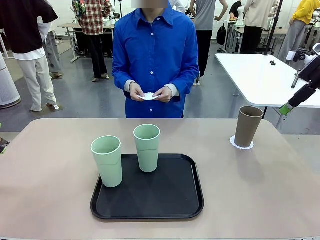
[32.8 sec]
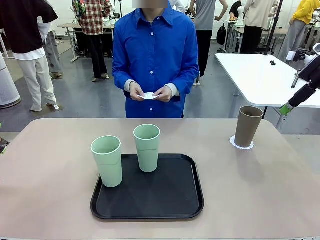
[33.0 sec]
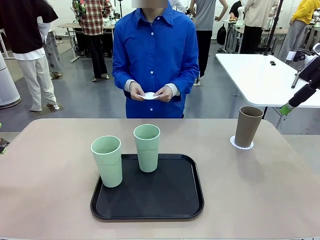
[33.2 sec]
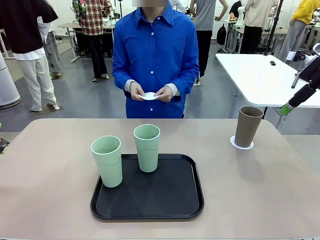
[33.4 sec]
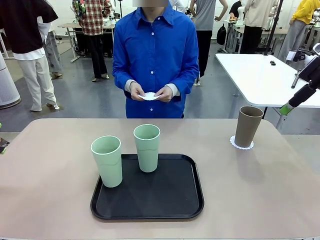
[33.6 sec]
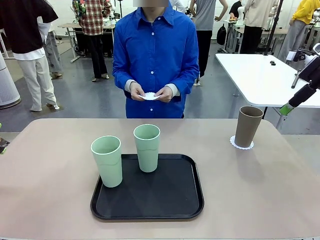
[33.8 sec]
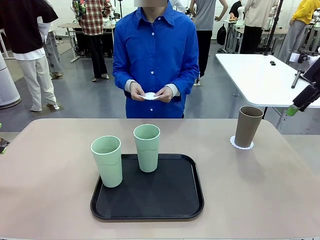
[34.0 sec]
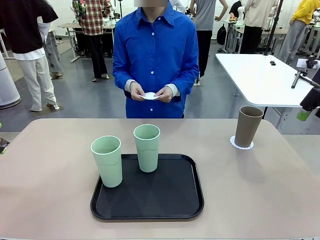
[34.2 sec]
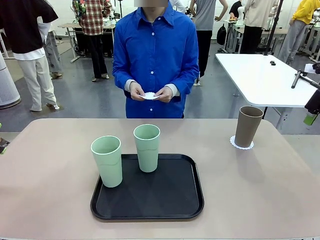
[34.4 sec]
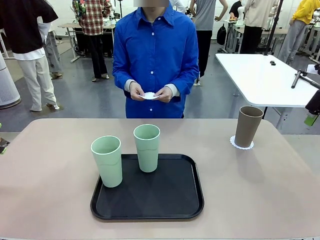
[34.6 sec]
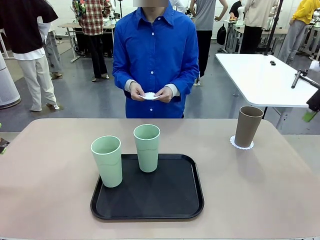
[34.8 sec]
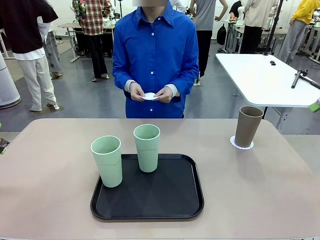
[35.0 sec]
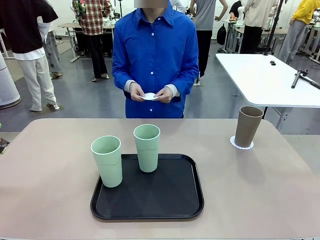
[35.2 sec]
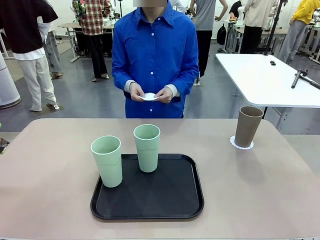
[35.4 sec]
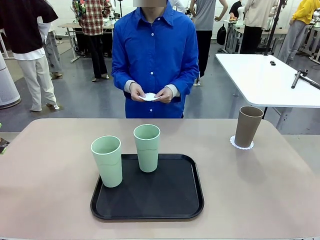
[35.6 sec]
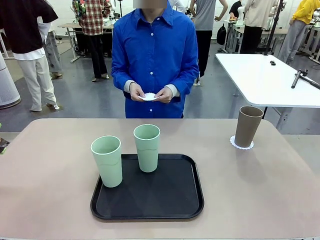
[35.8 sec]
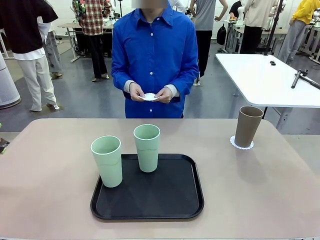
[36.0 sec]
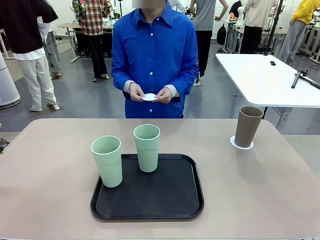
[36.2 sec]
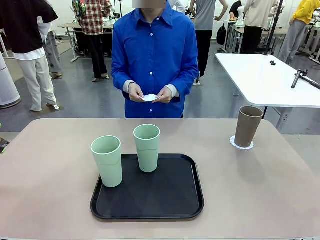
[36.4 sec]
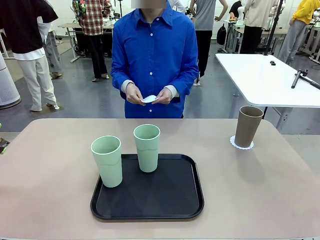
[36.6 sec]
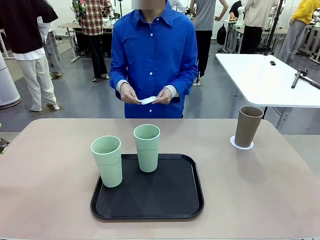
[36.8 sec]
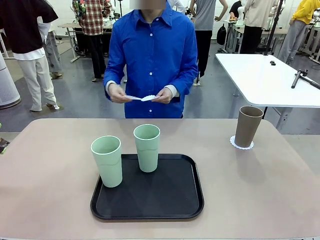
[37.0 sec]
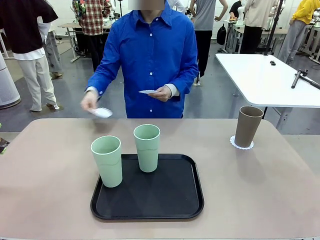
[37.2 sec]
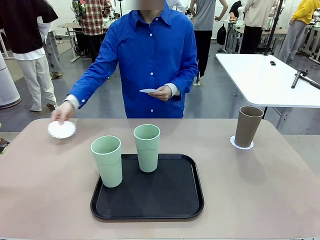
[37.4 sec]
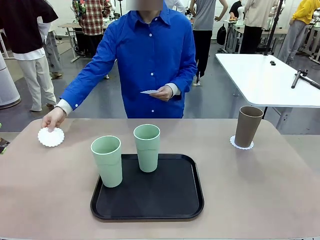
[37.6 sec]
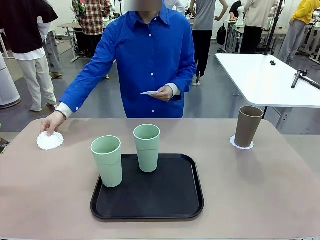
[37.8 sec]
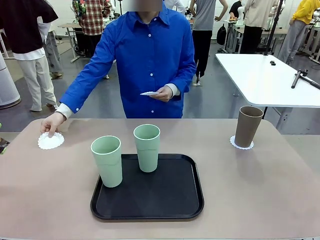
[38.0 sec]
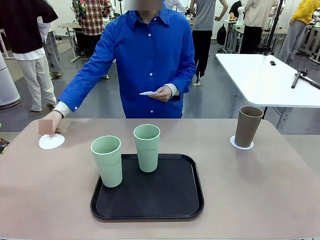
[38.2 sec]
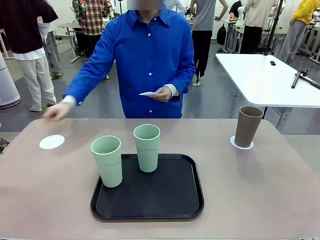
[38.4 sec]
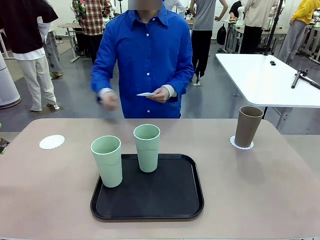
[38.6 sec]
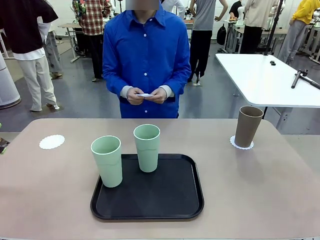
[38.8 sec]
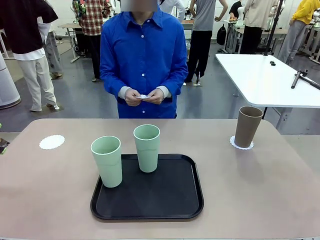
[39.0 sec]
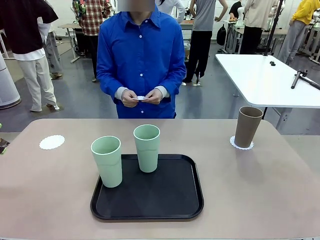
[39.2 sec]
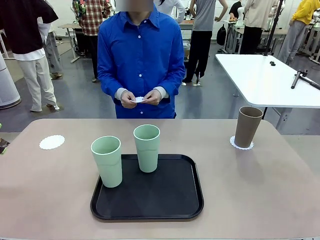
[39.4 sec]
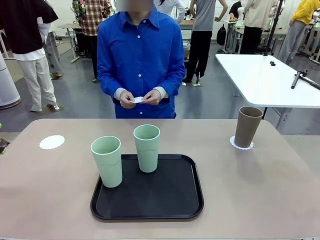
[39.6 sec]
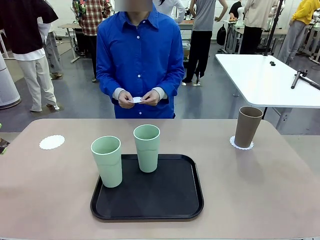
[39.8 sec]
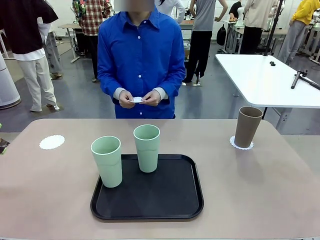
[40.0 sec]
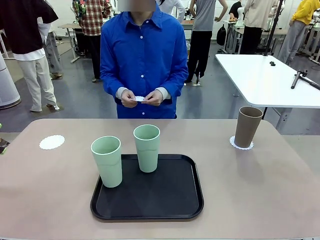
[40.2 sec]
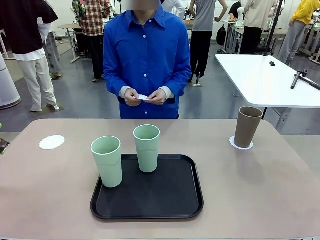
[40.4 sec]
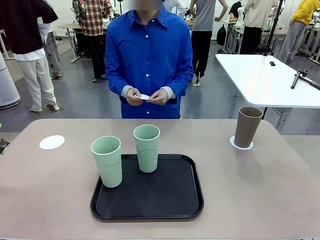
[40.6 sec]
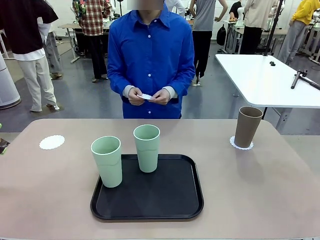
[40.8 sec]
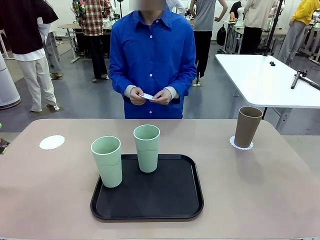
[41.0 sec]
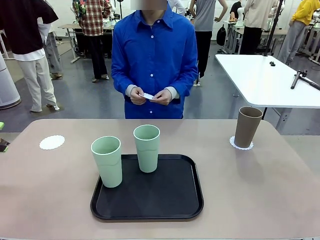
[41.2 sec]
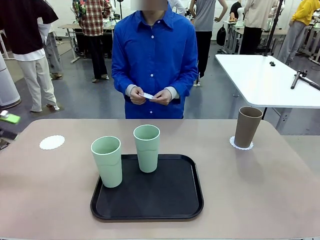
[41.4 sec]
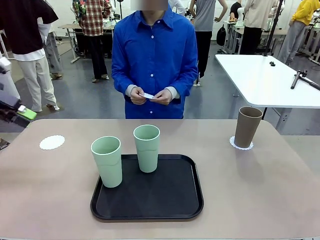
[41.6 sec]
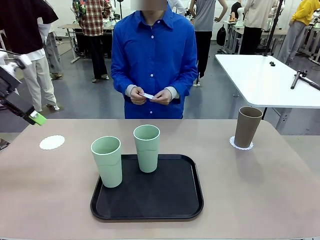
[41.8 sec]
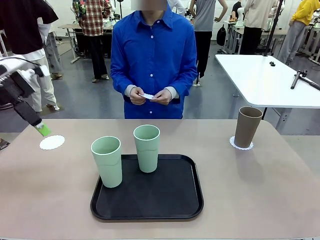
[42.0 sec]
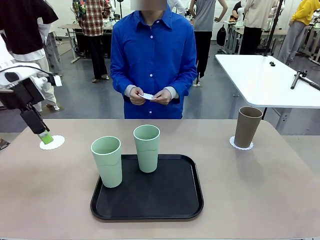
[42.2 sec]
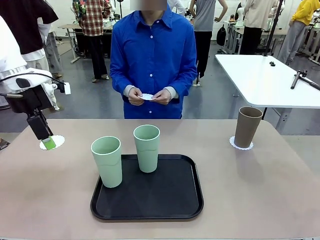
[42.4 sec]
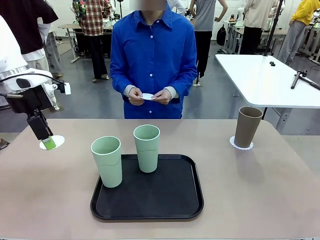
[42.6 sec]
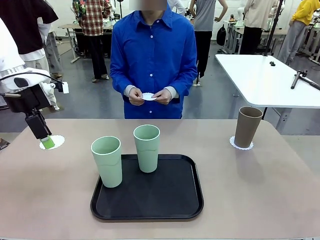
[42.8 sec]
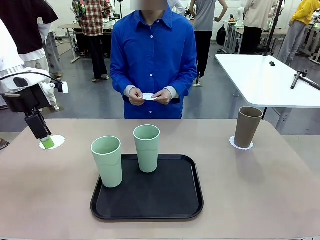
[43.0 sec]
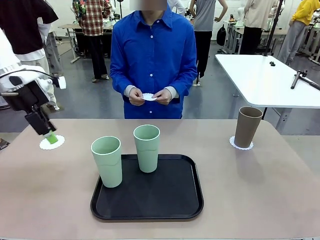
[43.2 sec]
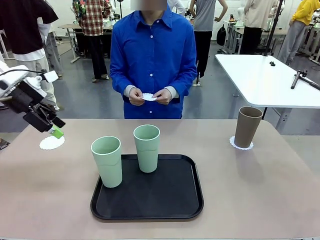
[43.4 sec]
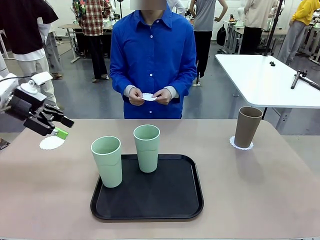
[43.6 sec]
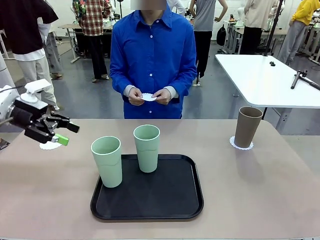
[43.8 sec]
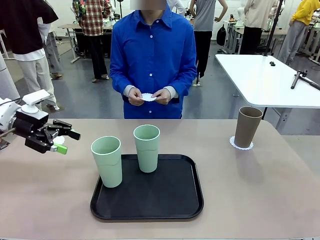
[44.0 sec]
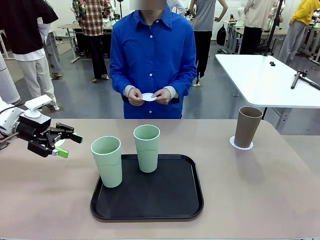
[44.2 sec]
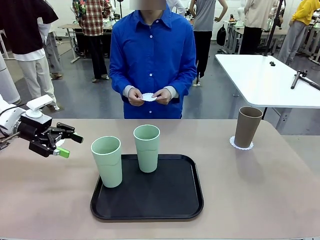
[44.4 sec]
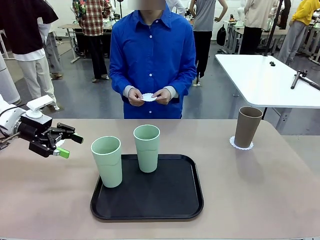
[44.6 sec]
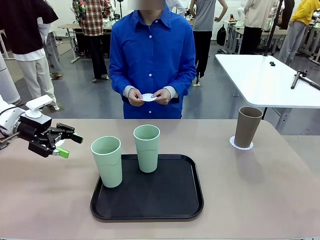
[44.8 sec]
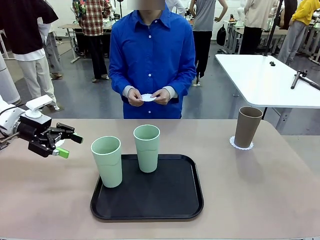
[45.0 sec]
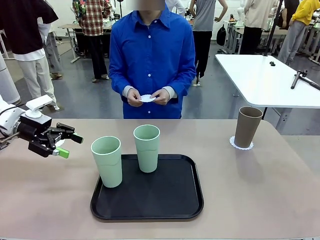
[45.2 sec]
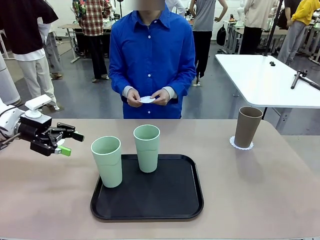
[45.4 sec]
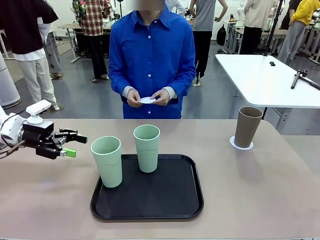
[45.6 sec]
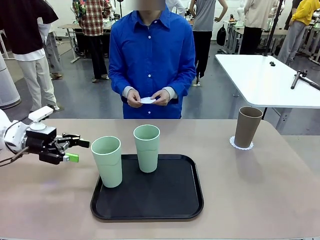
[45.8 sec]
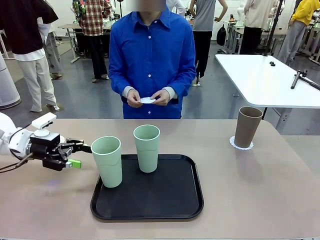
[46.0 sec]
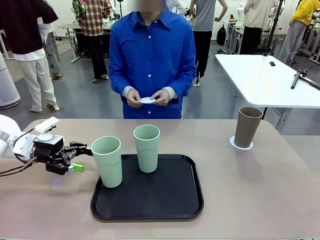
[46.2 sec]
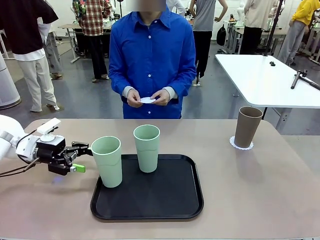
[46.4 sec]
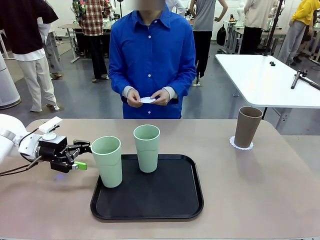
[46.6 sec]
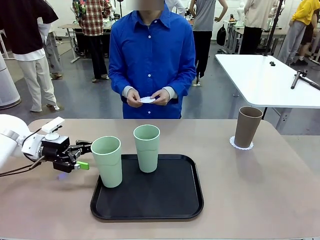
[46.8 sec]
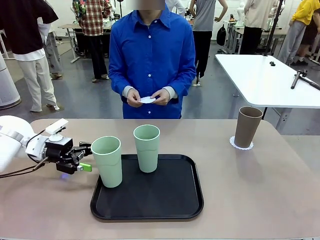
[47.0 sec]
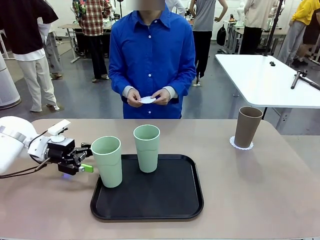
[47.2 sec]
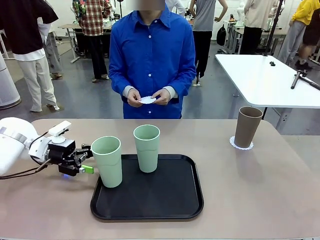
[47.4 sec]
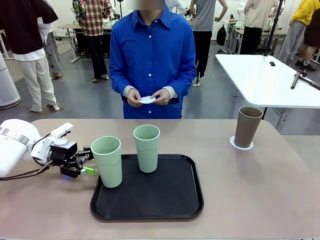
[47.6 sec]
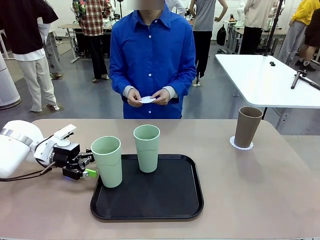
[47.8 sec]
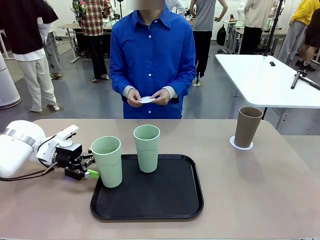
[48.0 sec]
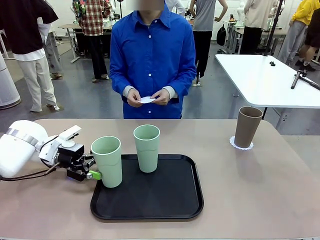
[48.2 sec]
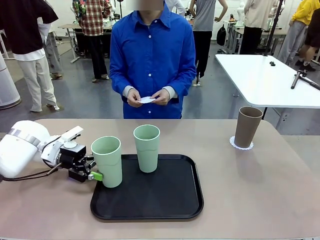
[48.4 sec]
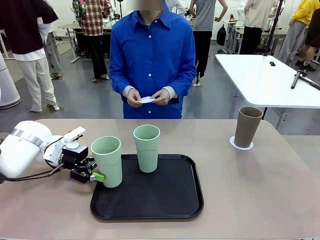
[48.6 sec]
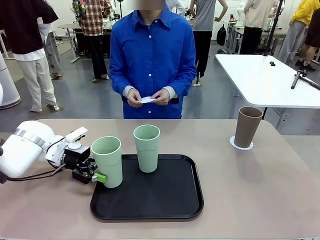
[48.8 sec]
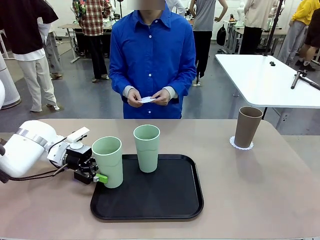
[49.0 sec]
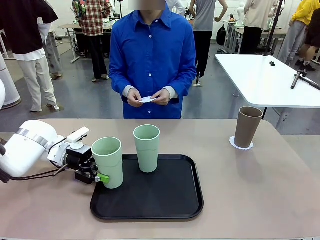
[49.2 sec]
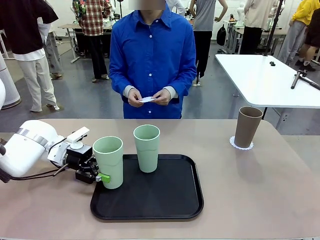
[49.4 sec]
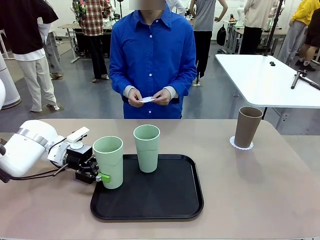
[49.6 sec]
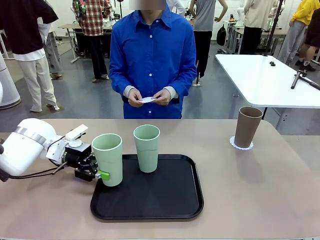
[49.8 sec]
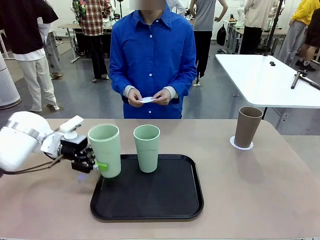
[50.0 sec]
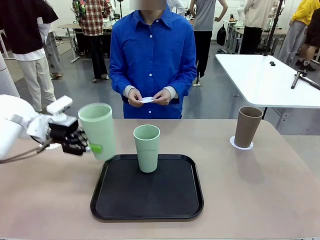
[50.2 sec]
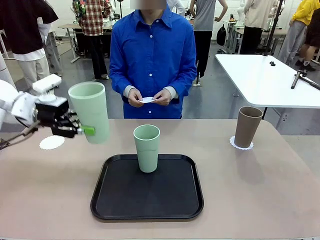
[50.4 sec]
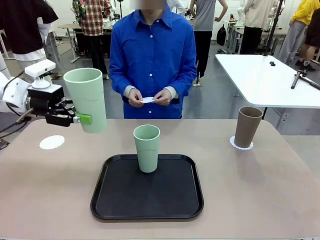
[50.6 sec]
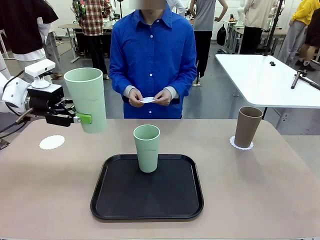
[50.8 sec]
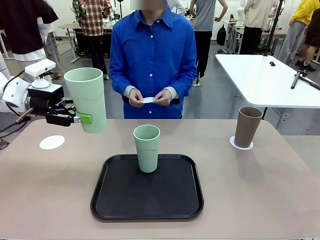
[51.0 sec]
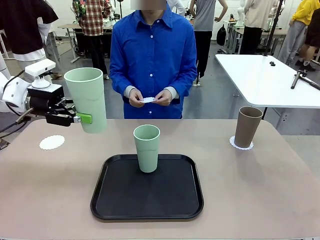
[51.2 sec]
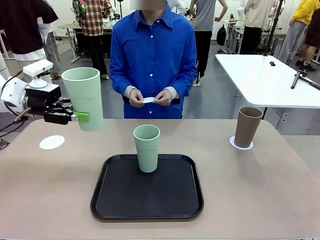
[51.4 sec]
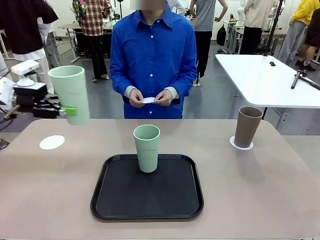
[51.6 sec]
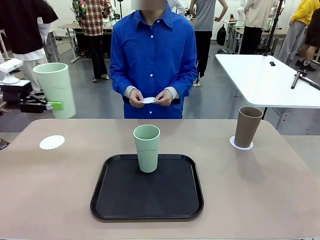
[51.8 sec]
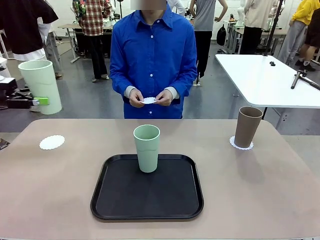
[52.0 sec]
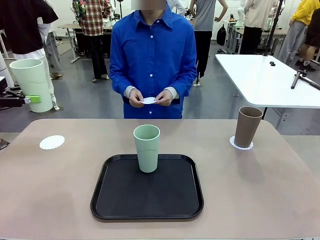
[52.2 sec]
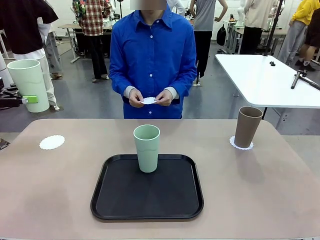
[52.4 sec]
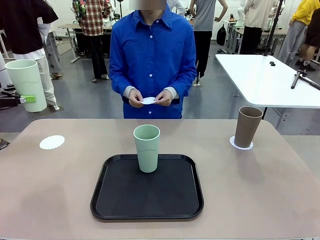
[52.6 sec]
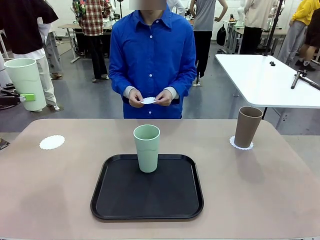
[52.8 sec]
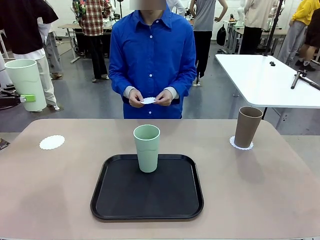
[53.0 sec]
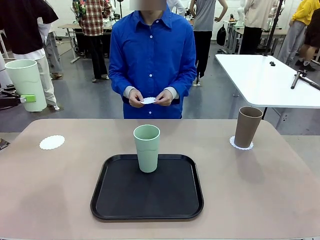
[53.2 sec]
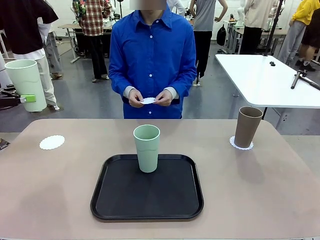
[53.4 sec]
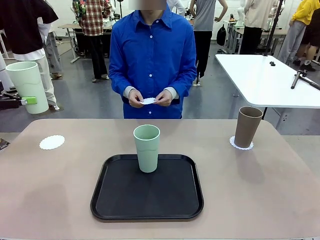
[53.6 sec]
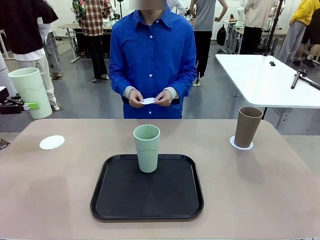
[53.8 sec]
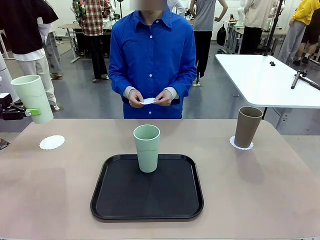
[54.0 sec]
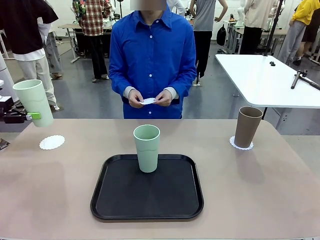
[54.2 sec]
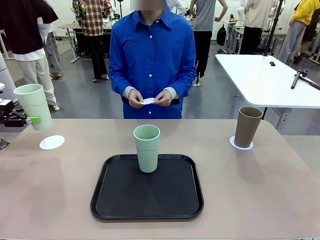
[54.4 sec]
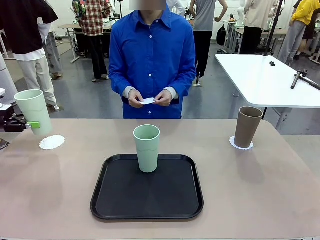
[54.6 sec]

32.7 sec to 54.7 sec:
Task: Place coasters on the table and set cups on them.
Robot: Take one Reusable plastic cup from the Flat Tray and place it on a coaster set by the human.
